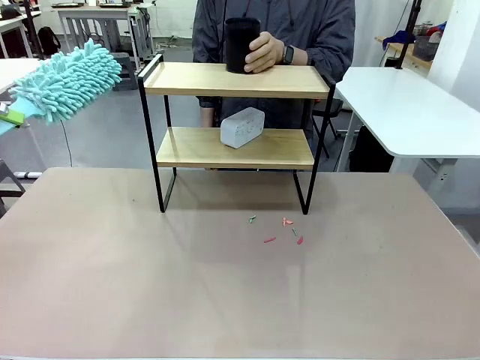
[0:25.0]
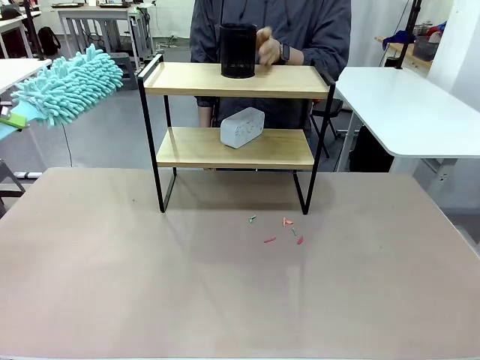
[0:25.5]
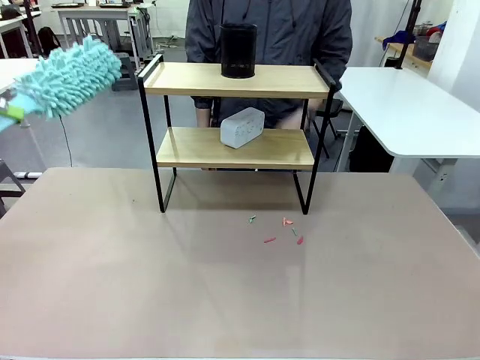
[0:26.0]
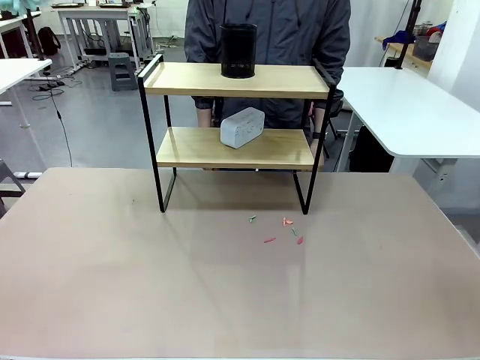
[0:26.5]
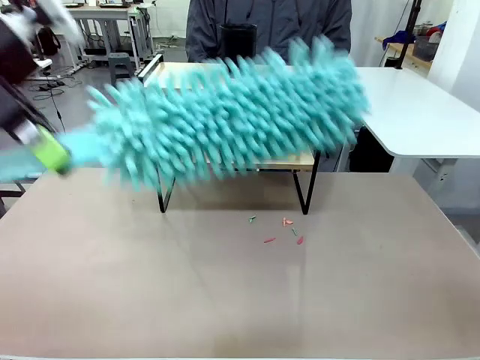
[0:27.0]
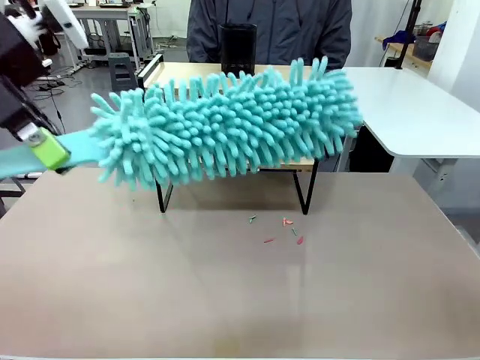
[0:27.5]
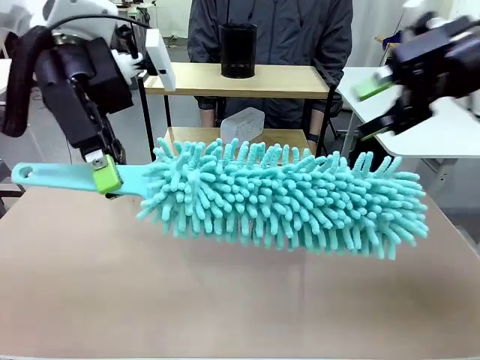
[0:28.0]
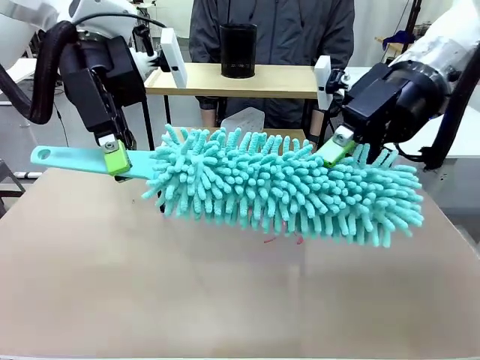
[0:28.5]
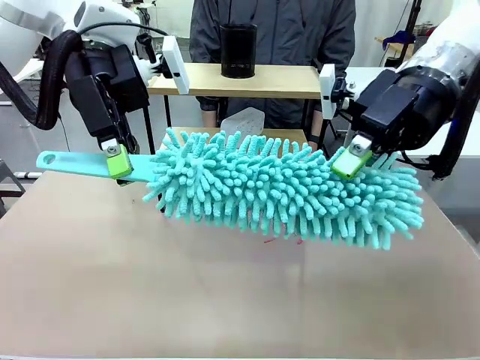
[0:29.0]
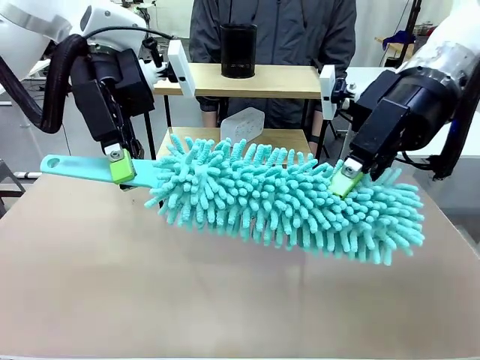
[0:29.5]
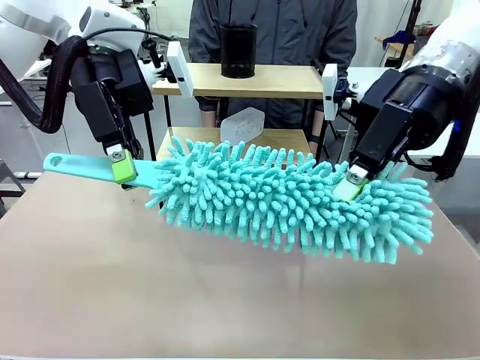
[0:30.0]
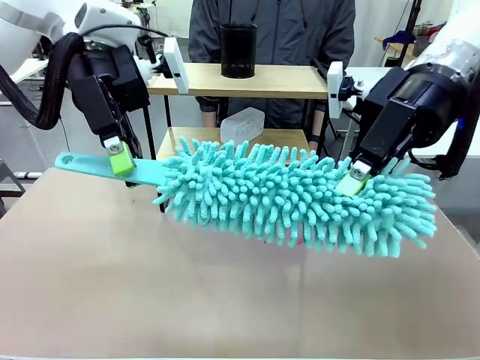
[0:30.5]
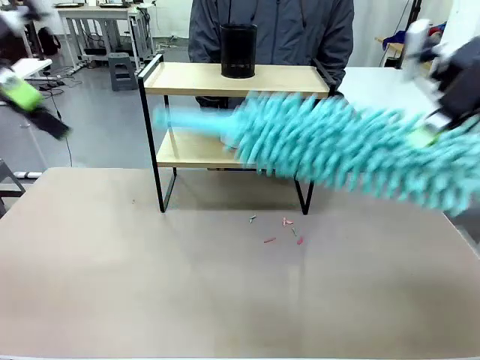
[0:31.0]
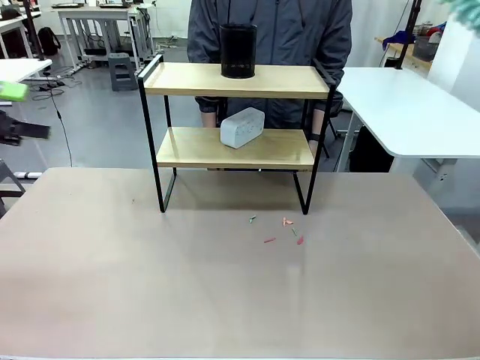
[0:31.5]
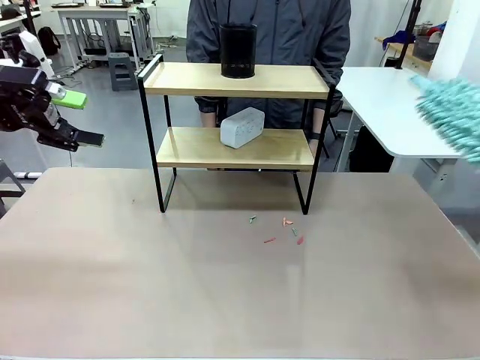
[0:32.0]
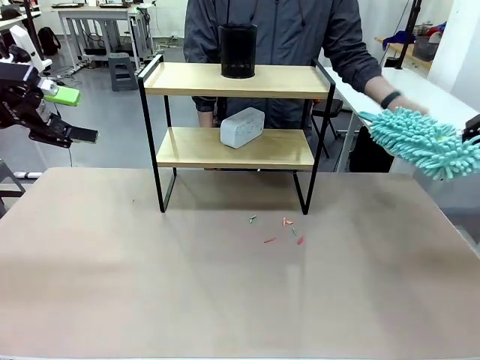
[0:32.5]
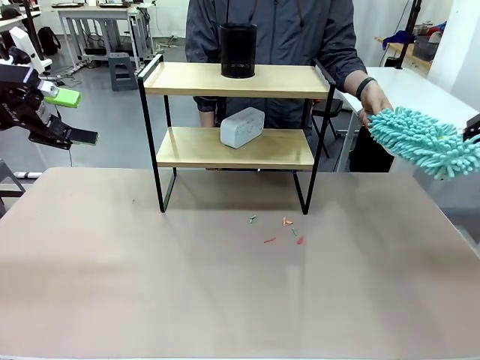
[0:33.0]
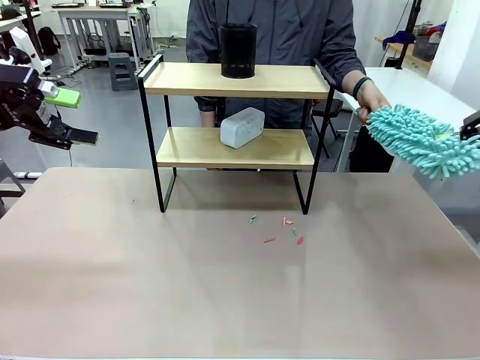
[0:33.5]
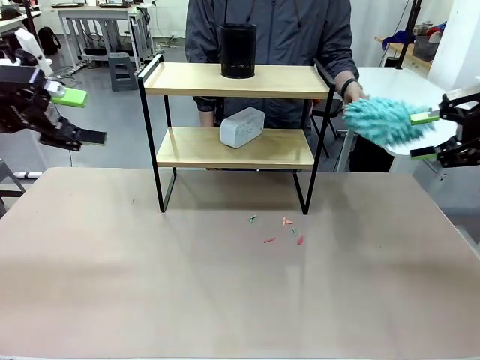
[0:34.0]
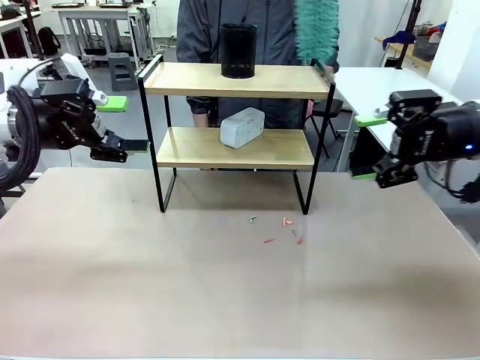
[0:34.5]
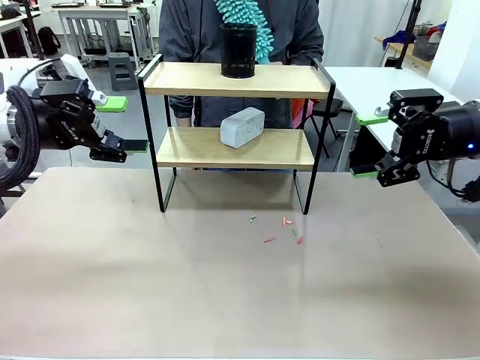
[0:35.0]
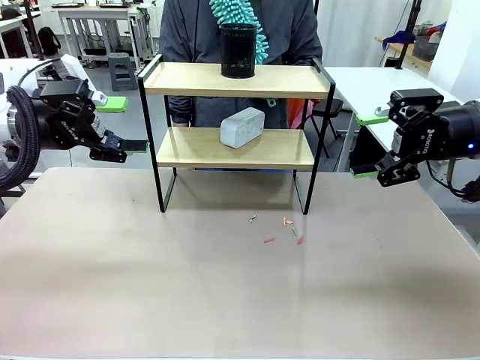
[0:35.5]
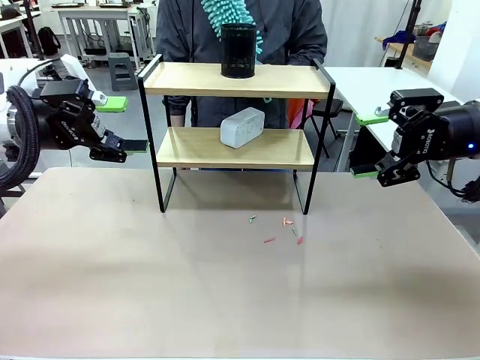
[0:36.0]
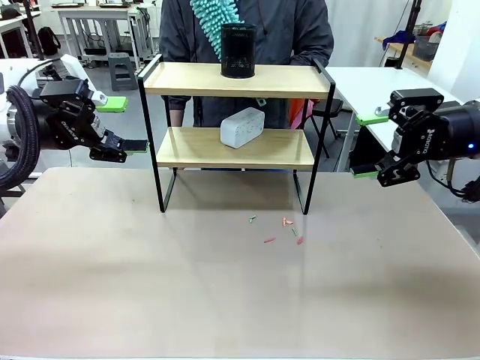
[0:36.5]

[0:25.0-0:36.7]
Task: Clean the shelf.
Robot: Hand the Duster back to the human.
Person: Receive the Duster from the robot.

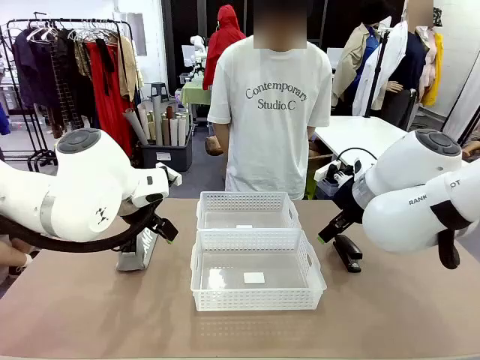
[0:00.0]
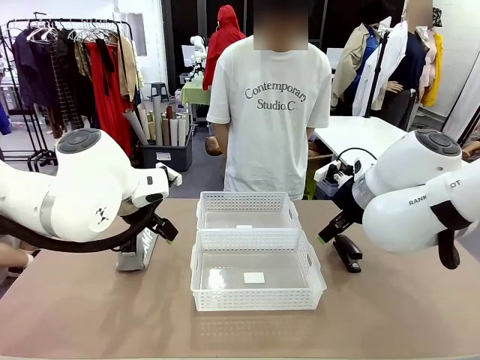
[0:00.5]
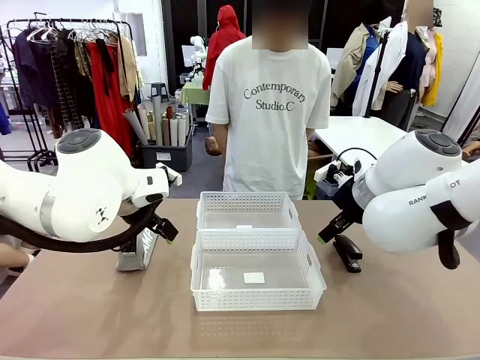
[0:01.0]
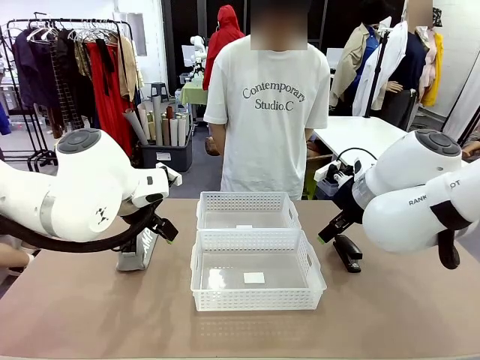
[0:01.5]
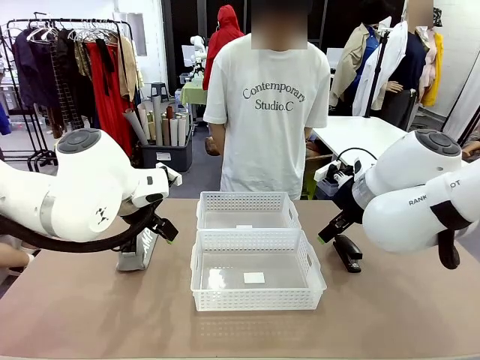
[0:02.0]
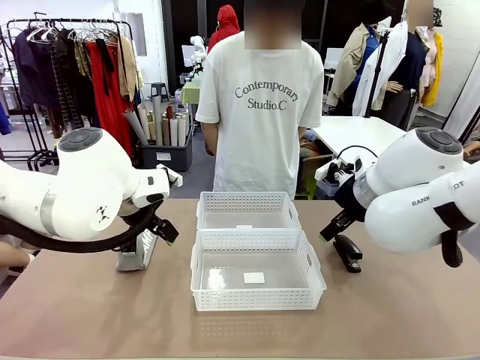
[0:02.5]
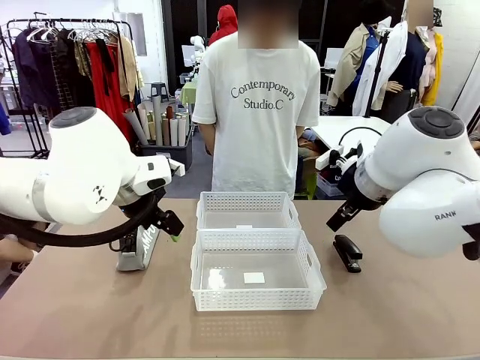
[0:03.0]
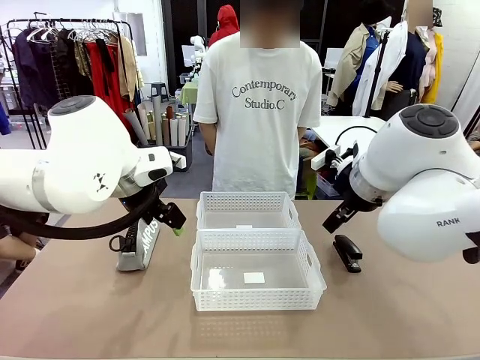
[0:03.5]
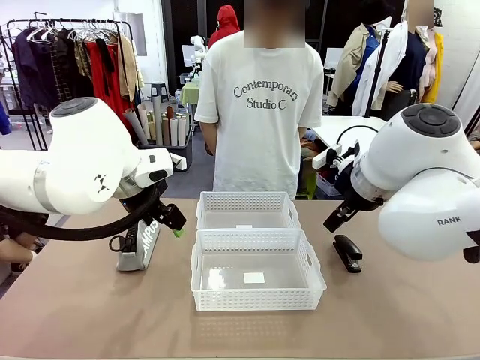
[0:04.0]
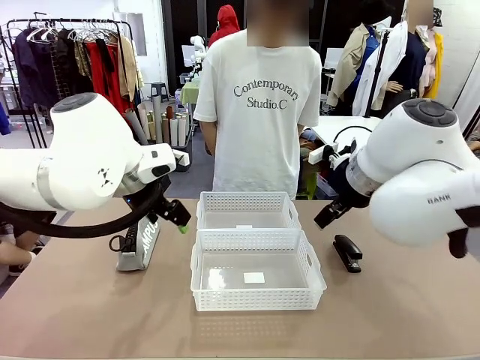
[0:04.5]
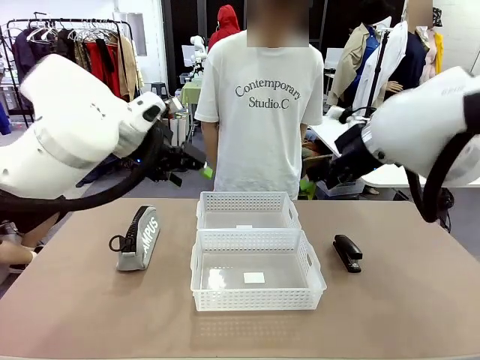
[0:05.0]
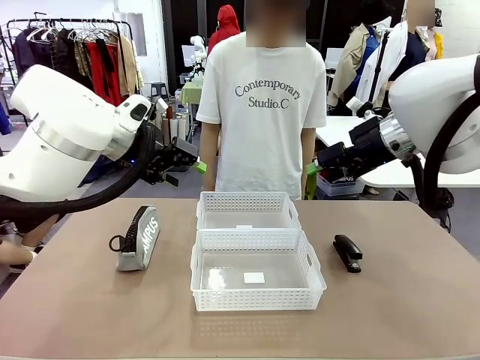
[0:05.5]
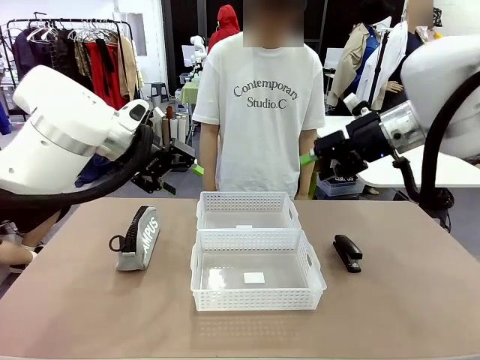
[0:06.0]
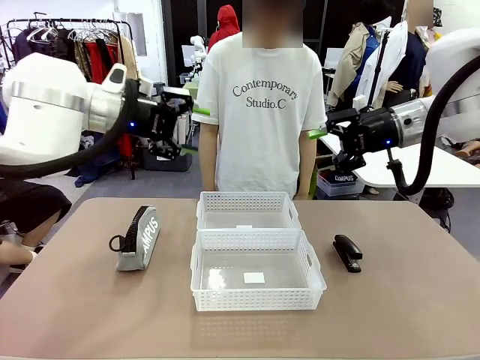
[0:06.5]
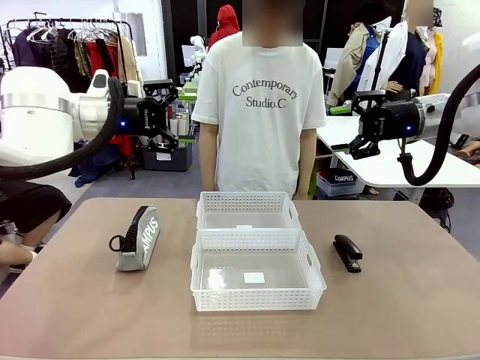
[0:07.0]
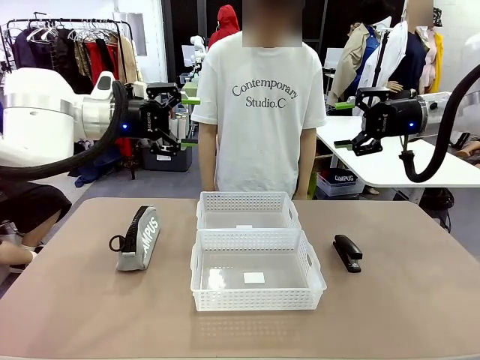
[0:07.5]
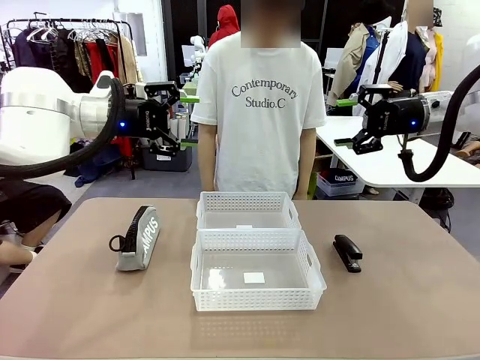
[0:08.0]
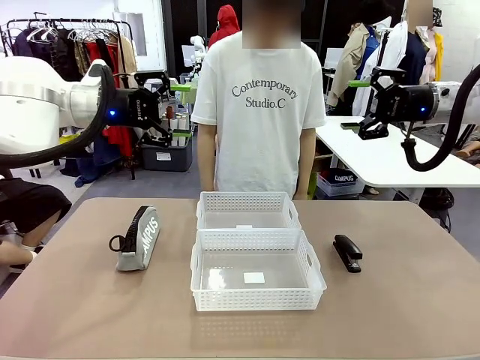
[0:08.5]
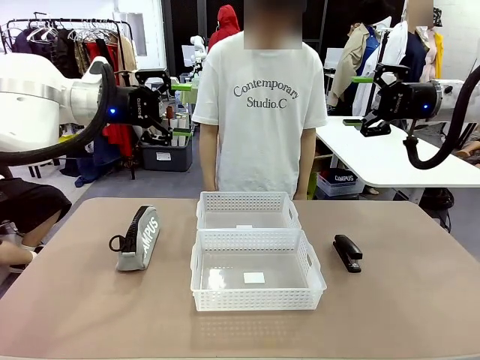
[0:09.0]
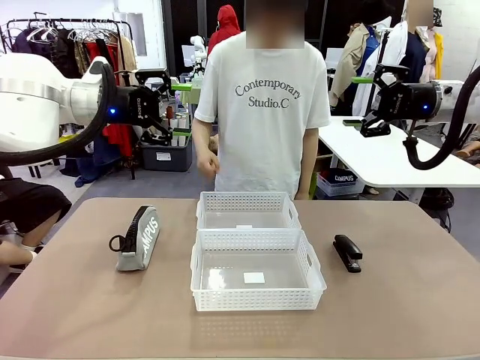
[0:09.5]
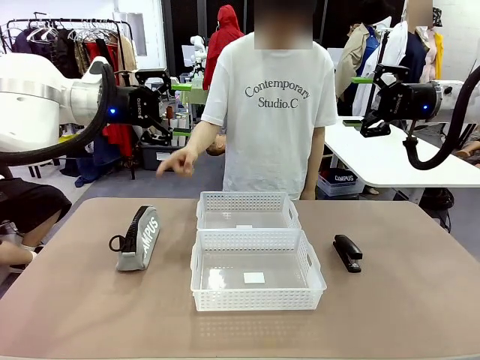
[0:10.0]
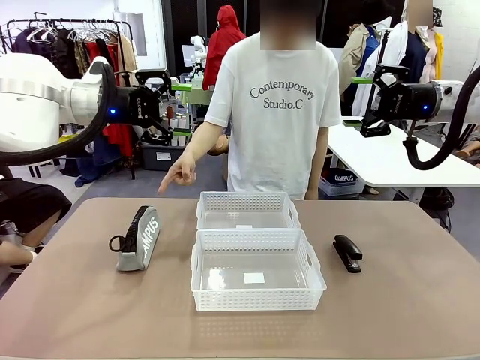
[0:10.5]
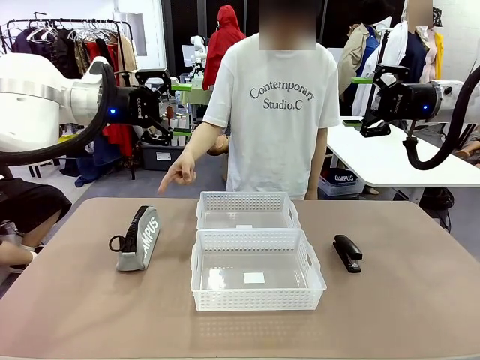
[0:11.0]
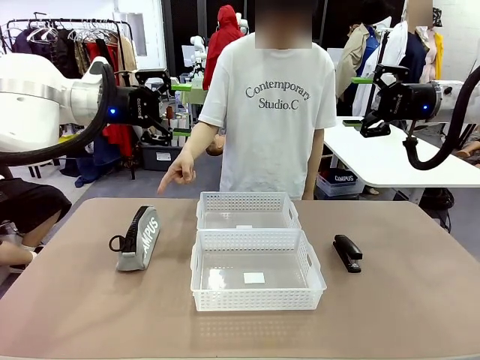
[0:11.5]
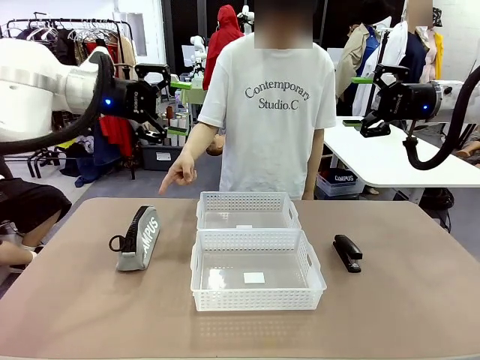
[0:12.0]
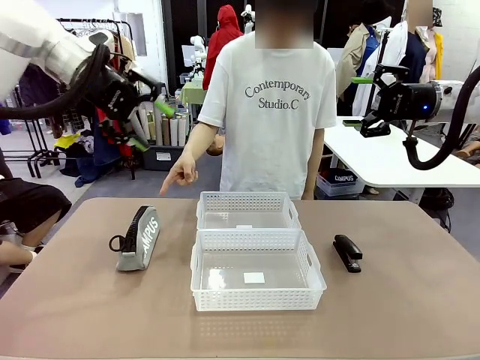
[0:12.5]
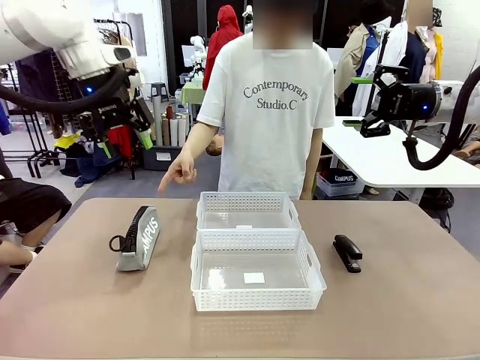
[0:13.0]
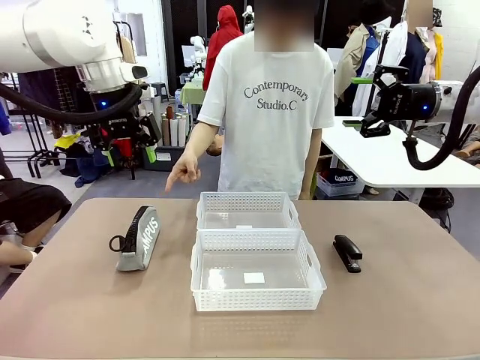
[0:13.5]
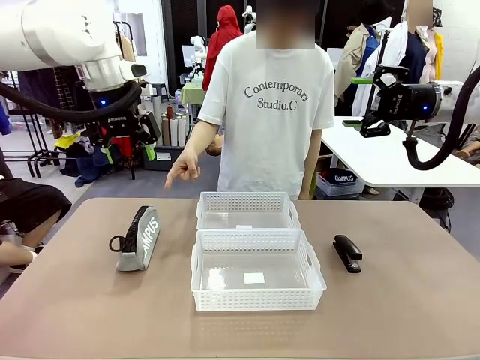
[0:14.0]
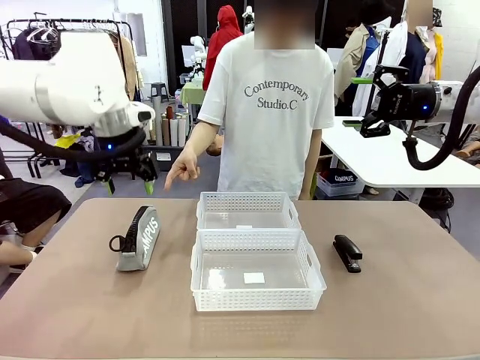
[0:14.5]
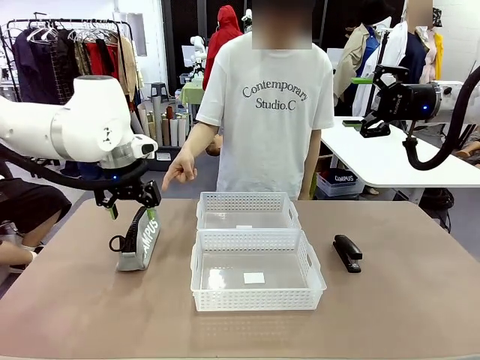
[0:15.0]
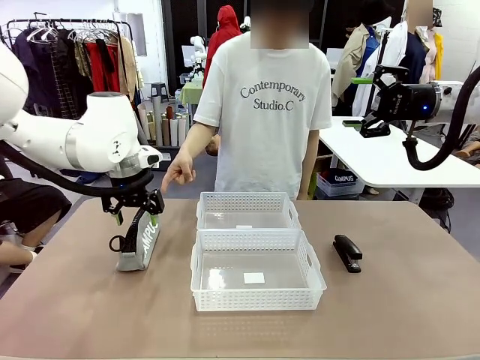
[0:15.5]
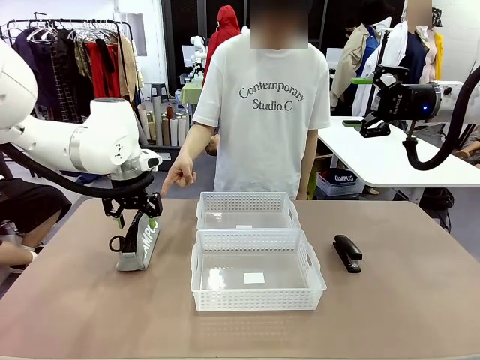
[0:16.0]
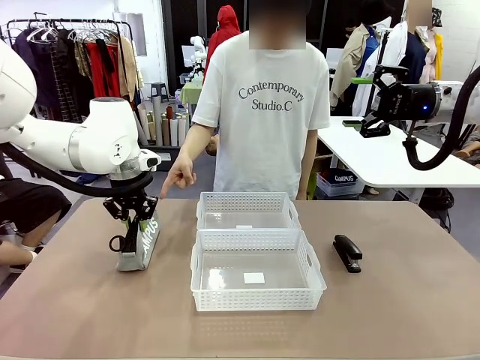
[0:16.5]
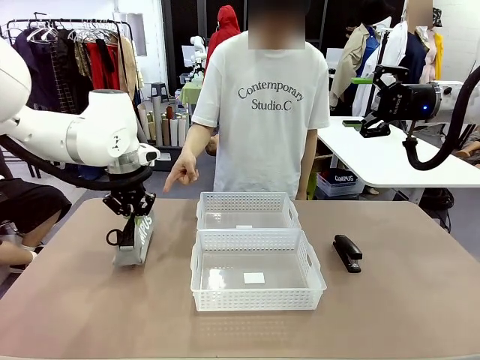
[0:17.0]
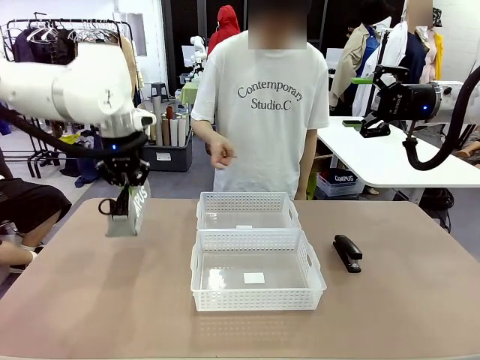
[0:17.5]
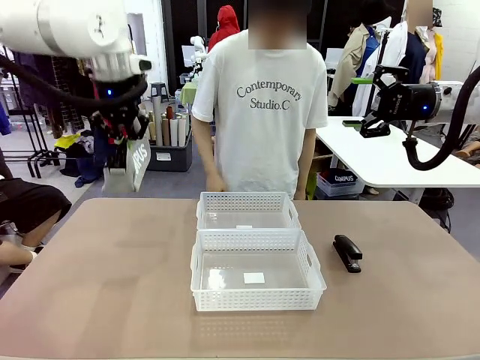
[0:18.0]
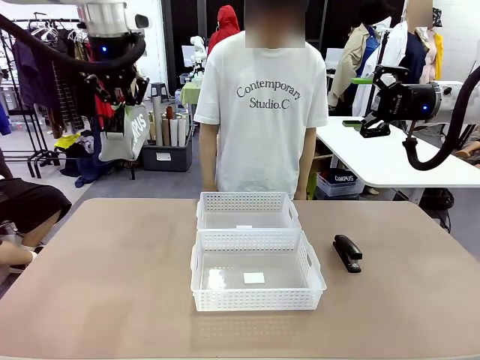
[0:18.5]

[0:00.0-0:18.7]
Task: Distribute items into two baskets.
Robot: Pick up the Pencil pouch that the person points to.
Person: Points to the pencil case. Points between the two organizing baskets and instructs the robot to move the pencil case.
